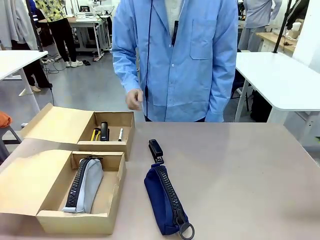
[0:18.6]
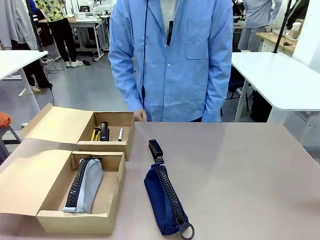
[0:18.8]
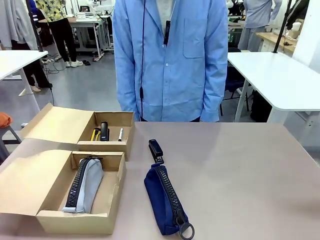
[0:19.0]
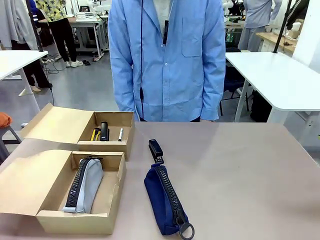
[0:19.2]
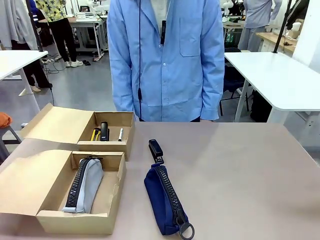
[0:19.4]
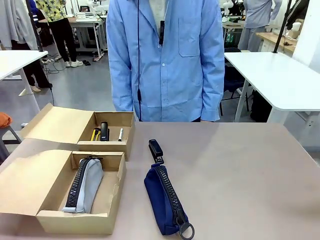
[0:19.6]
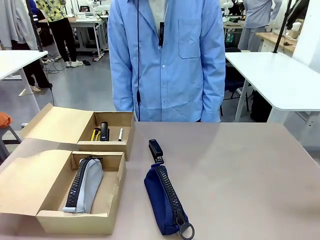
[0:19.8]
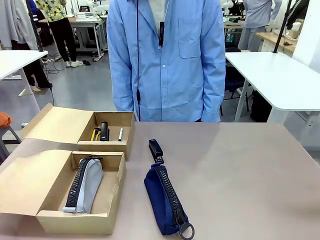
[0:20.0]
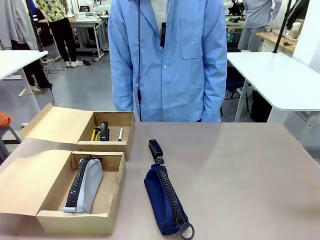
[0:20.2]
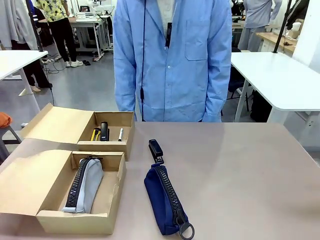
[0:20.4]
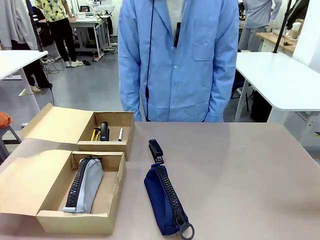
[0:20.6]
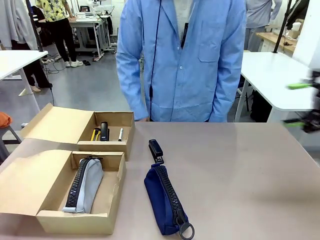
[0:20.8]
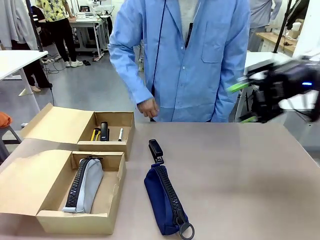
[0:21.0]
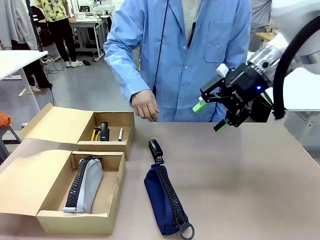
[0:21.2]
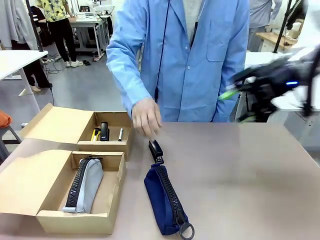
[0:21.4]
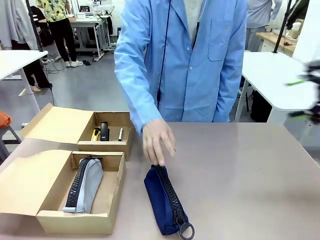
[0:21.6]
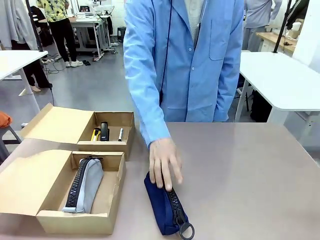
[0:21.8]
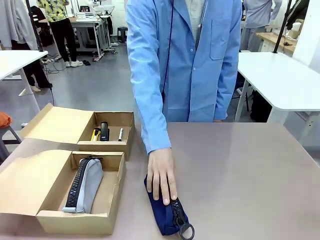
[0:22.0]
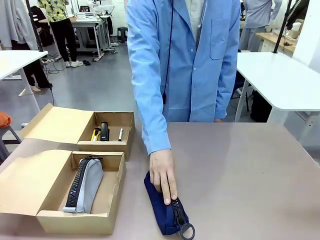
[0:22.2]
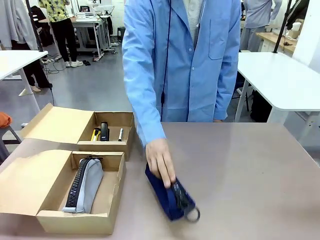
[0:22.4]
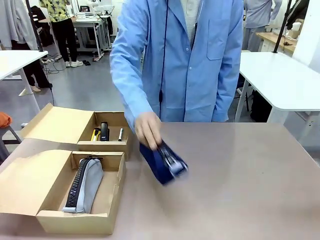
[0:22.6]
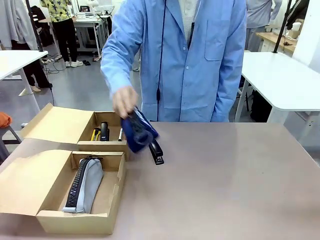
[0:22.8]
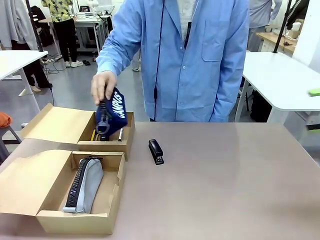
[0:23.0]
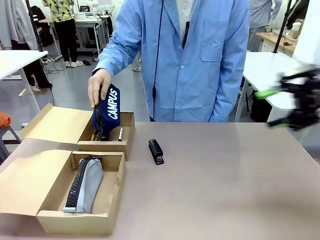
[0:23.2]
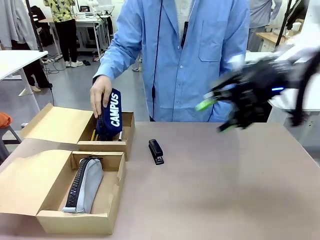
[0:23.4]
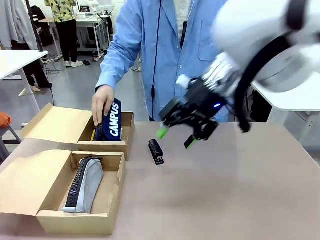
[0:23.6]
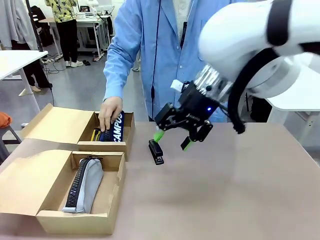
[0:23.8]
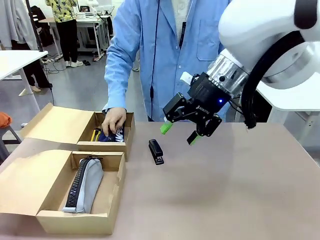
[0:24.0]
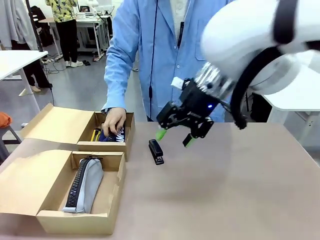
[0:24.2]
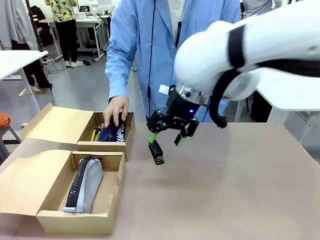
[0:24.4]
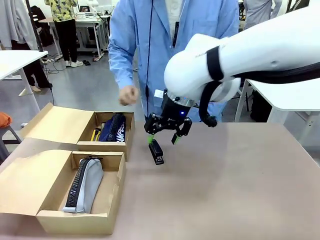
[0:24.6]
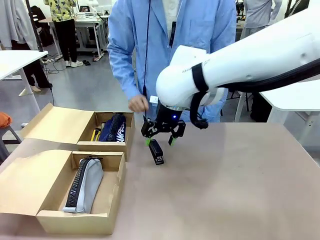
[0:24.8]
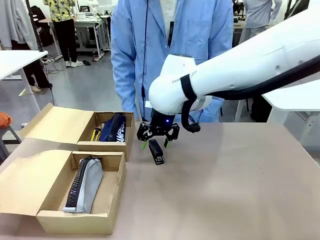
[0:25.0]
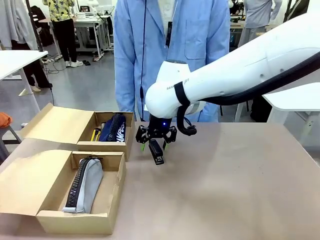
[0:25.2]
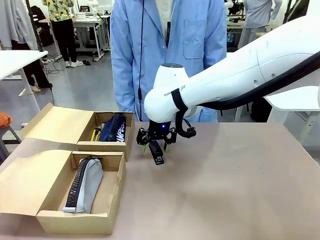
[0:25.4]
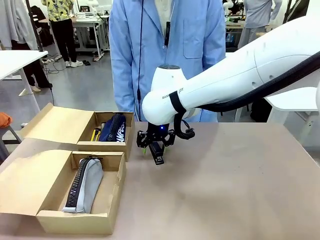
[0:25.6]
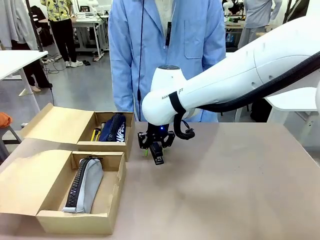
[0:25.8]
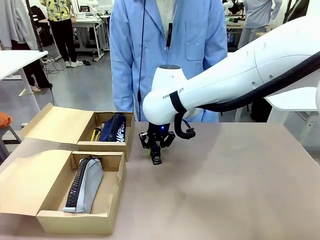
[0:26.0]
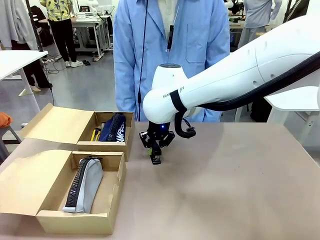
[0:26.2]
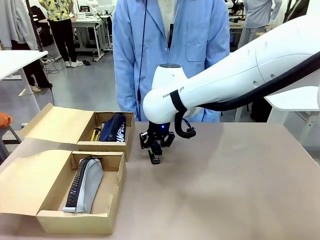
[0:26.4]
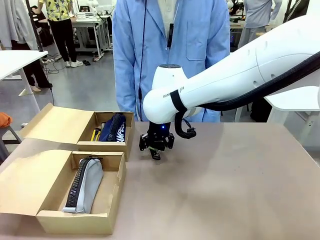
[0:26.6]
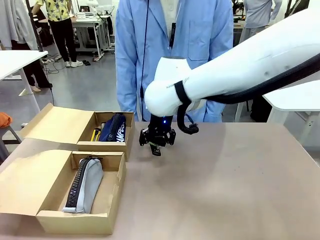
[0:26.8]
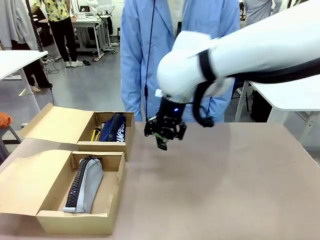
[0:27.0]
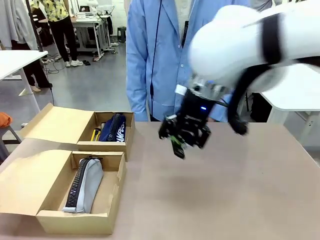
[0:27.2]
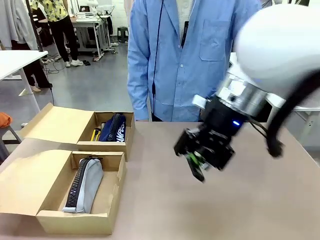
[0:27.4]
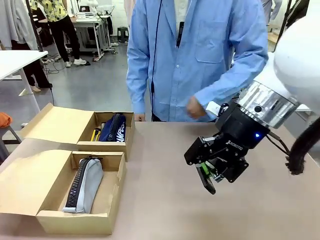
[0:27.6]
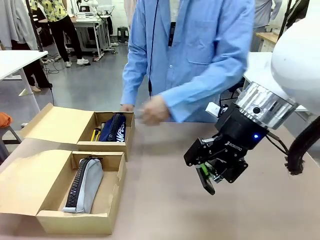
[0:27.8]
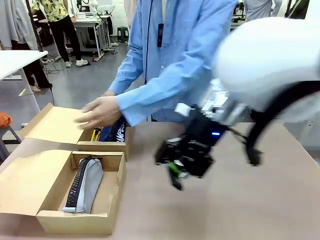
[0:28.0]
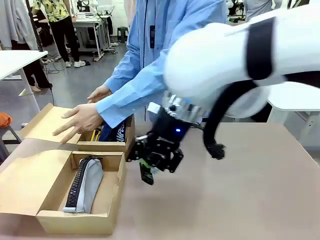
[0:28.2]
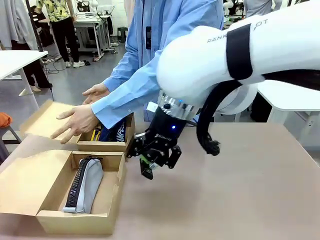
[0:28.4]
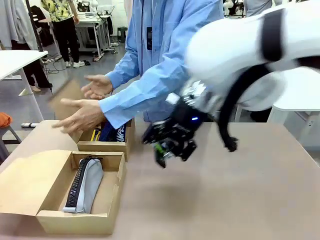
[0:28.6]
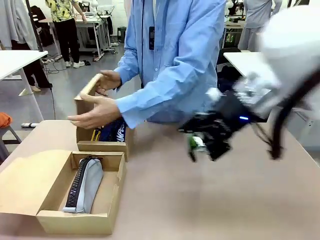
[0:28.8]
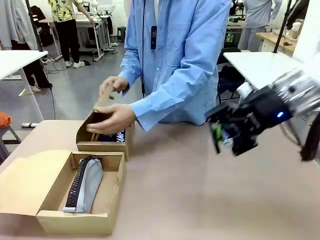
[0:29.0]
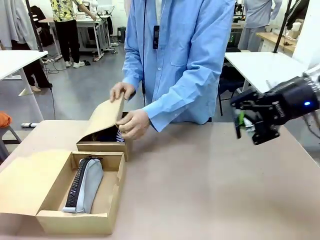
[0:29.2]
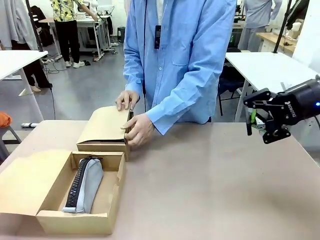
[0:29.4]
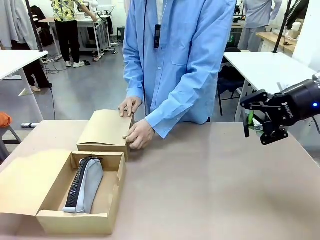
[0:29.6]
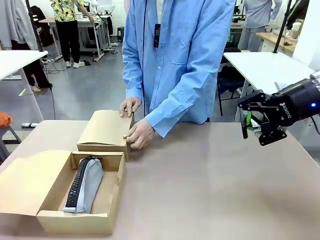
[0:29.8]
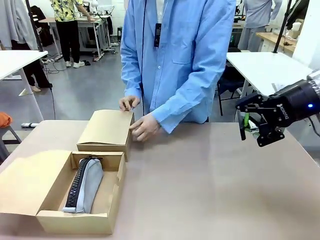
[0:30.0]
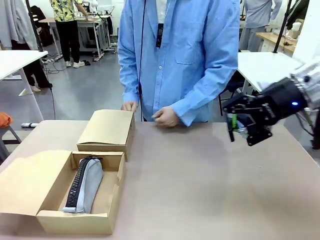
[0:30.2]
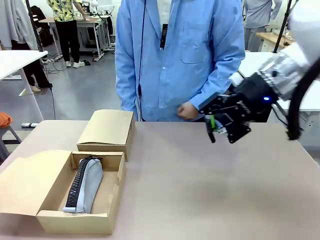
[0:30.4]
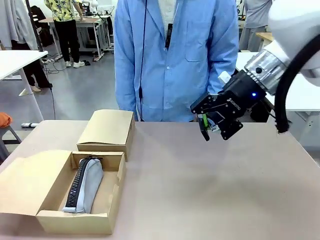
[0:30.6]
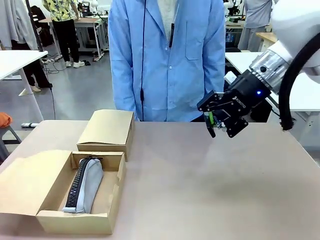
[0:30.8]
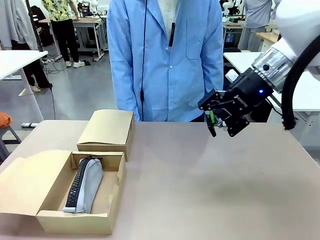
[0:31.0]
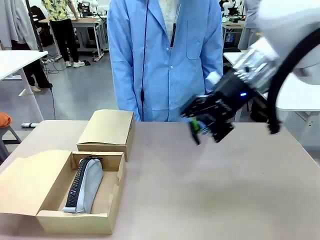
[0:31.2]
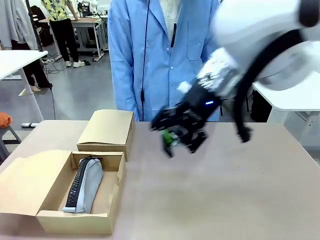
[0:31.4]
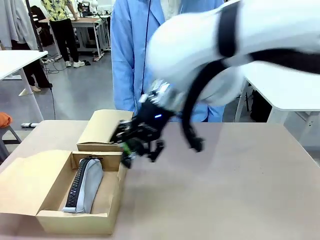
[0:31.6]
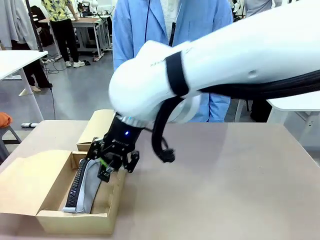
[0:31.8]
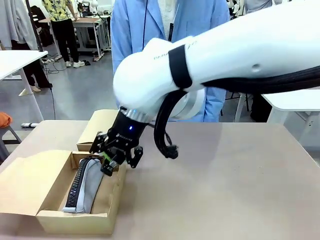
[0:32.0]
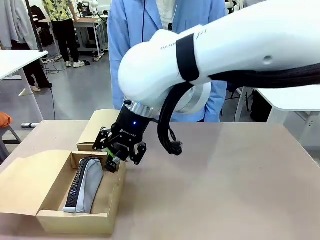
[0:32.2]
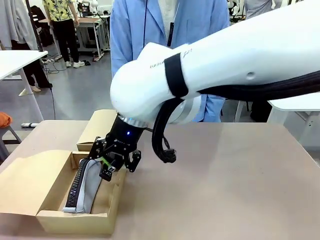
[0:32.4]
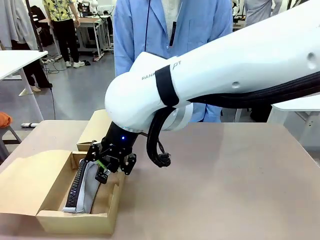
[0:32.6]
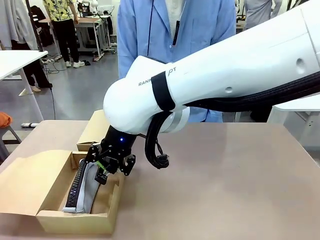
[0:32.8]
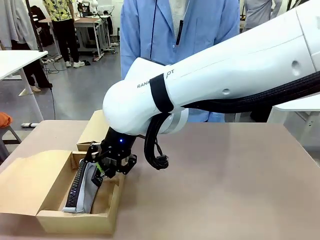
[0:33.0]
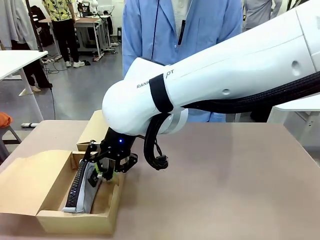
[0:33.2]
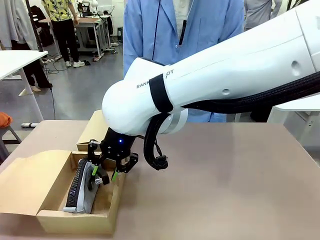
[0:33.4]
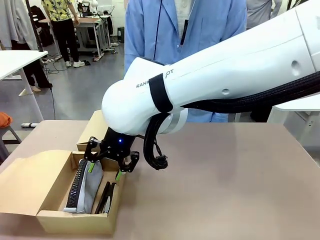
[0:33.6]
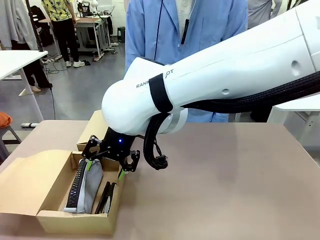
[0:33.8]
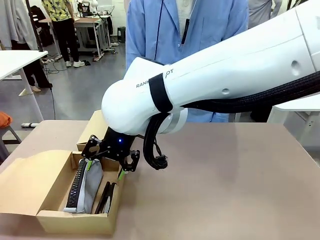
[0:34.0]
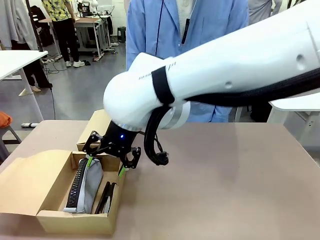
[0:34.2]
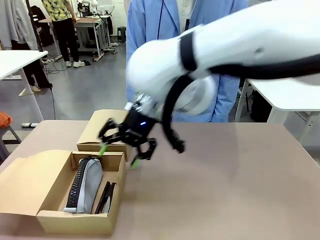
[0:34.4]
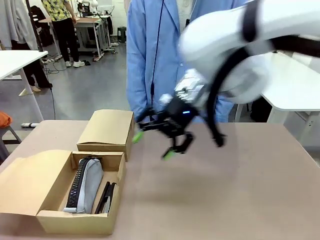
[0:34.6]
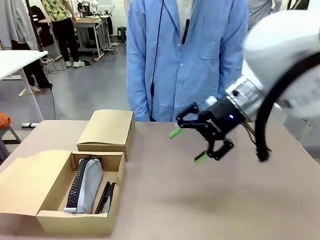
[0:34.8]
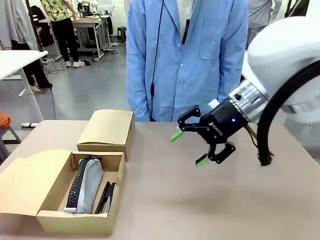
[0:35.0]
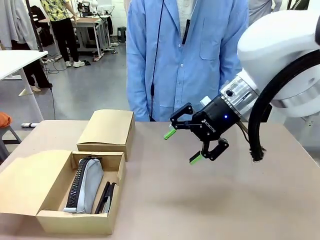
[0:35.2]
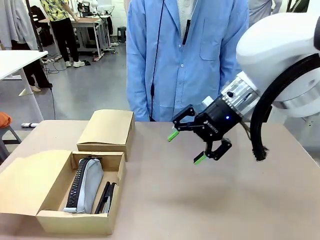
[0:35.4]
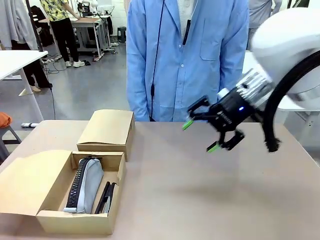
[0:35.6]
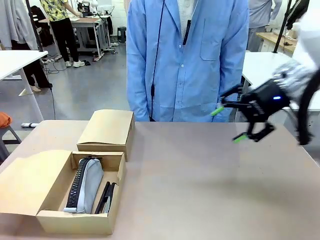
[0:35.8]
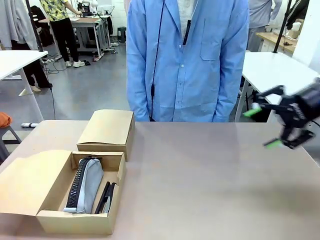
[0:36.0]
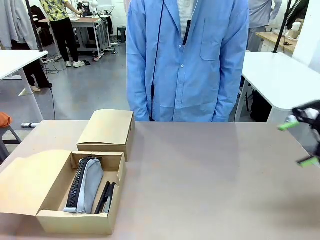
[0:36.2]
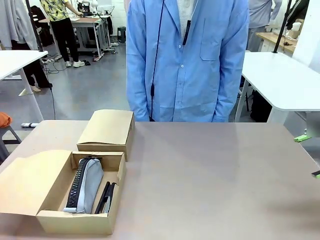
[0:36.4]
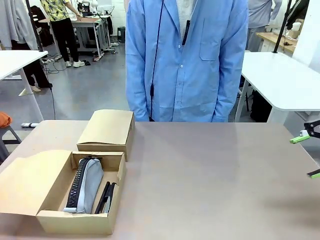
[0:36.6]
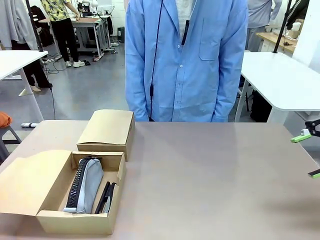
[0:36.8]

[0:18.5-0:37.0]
Task: Place items inside the box.
Robot: Pick up a Pencil pouch or Stapler and place it inside the Mailer Box closest to the robot.
